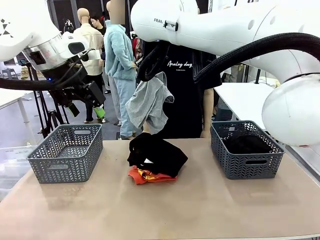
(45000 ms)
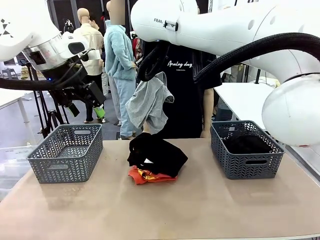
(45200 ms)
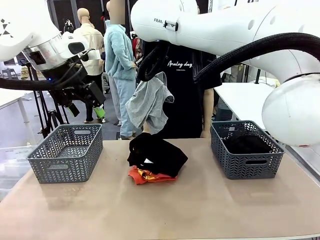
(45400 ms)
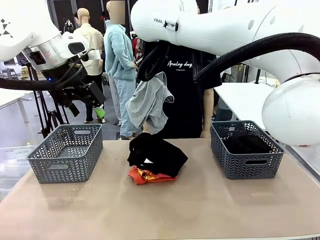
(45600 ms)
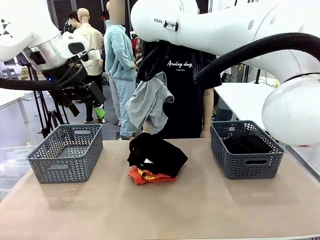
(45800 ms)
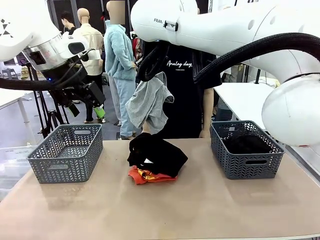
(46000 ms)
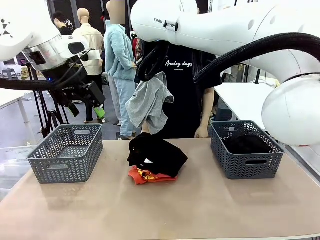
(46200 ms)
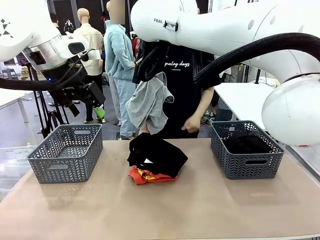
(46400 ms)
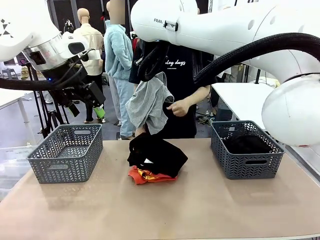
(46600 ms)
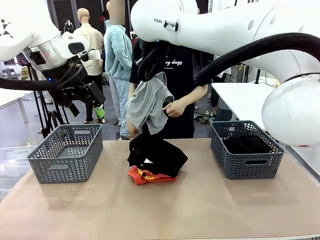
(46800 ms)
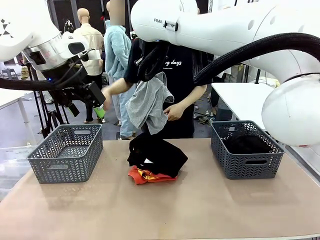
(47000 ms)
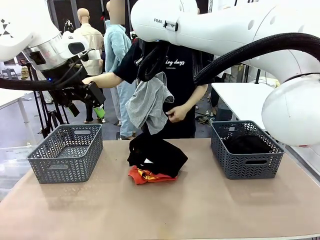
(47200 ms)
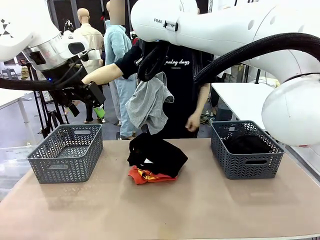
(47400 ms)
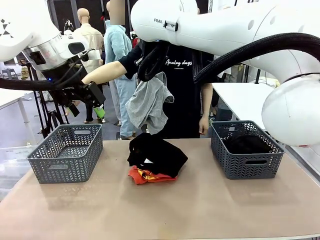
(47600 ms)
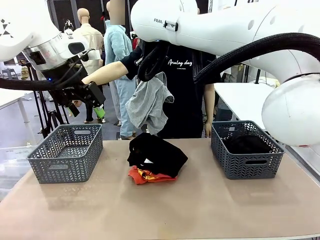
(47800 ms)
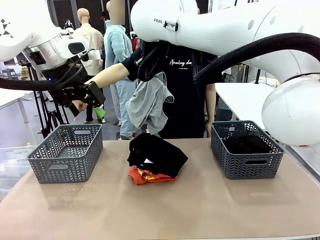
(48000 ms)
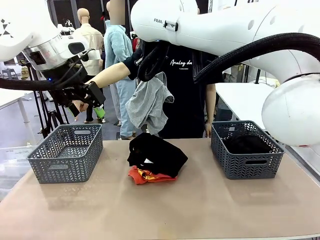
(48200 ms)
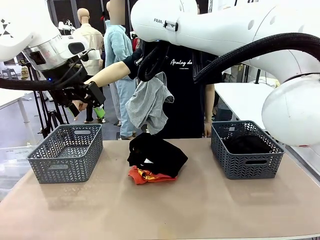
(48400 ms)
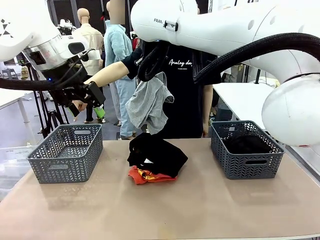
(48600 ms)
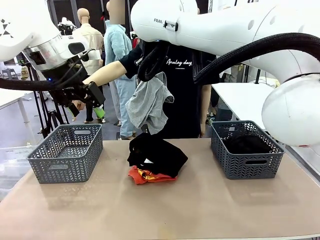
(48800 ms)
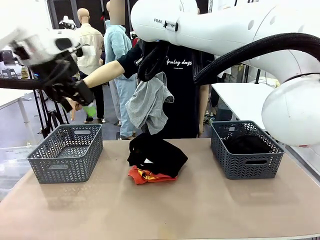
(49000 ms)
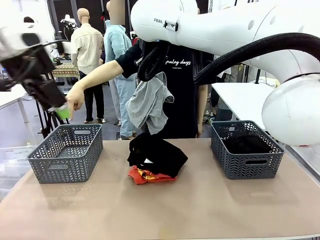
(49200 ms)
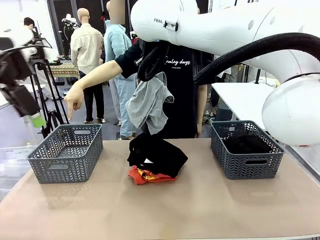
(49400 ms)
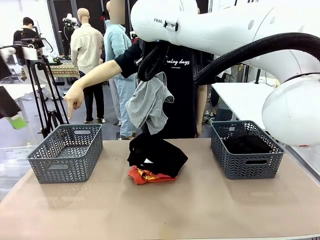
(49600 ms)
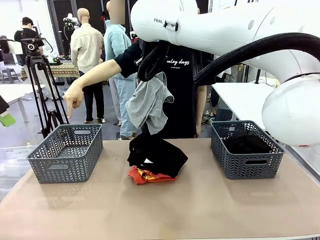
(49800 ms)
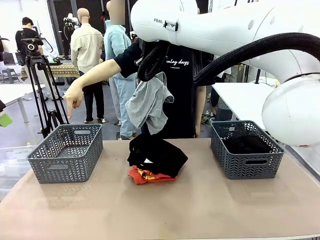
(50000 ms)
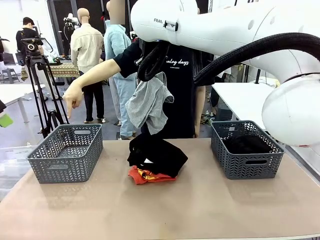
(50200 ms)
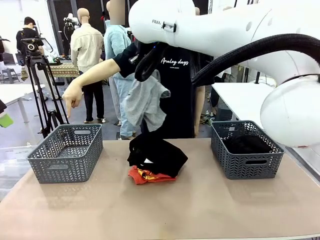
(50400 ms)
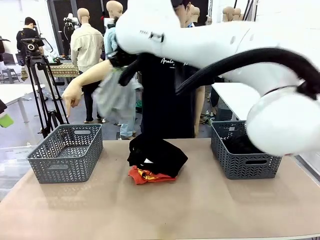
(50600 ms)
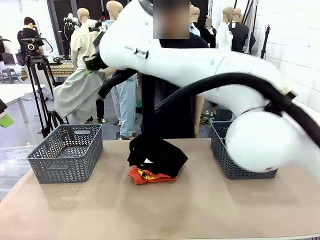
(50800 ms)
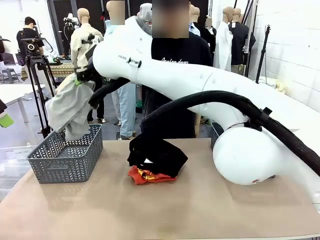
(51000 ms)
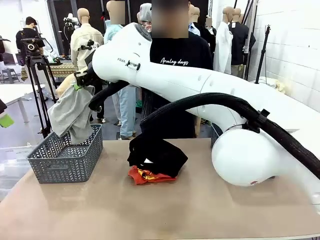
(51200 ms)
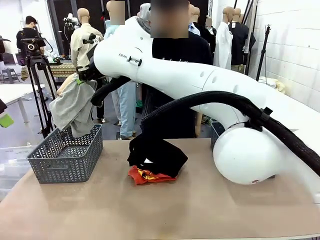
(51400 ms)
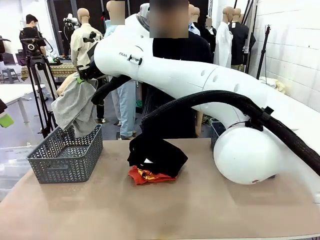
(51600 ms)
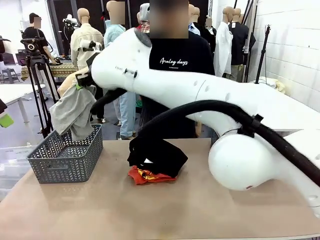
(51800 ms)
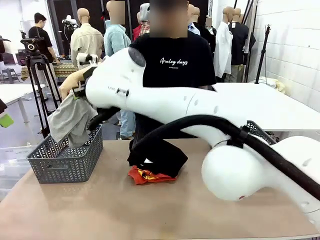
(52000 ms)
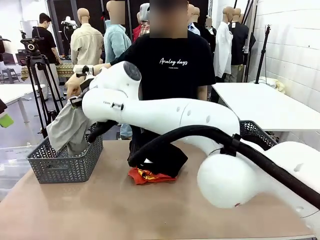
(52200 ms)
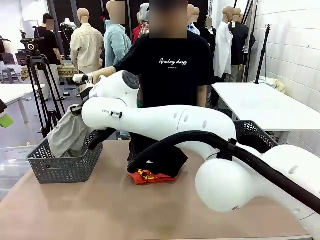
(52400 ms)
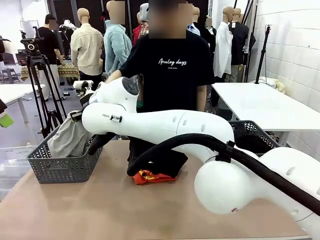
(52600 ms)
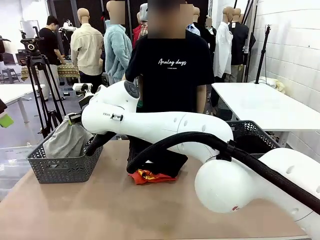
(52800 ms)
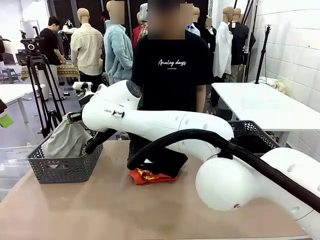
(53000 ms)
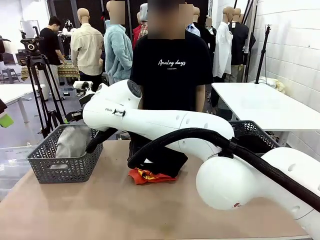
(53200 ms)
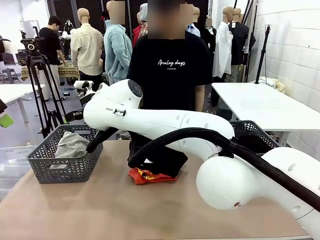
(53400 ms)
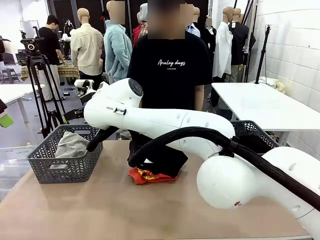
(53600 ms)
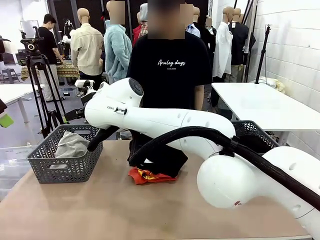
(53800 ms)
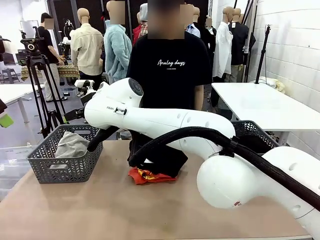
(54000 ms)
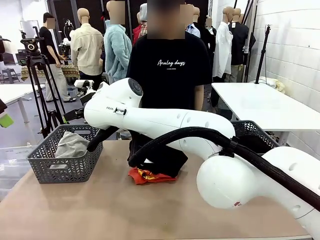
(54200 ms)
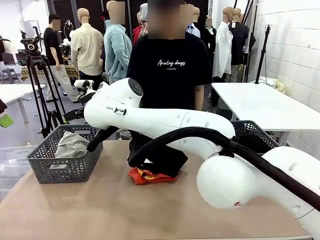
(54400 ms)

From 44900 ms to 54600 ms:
Task: Sort the tops and bottoms.
Robot: Sort the clothes according to human instructions.

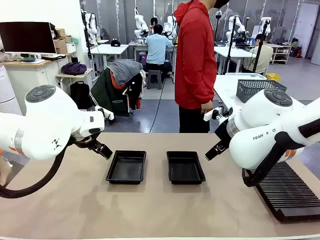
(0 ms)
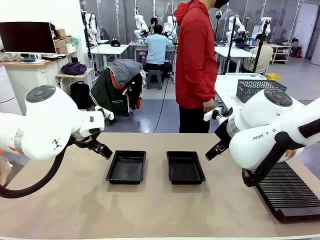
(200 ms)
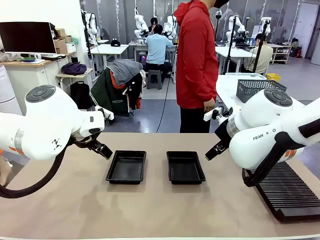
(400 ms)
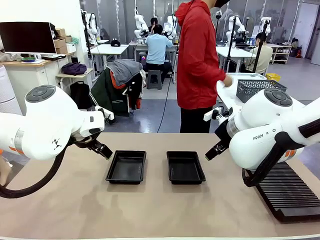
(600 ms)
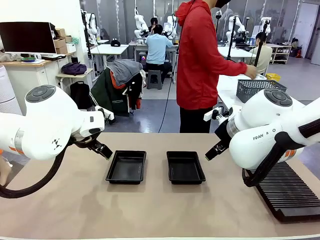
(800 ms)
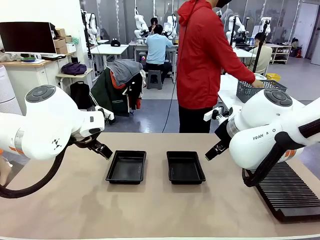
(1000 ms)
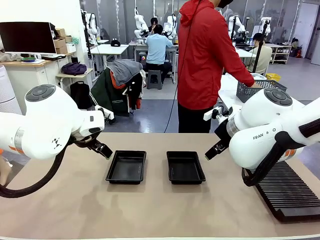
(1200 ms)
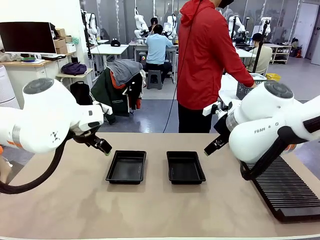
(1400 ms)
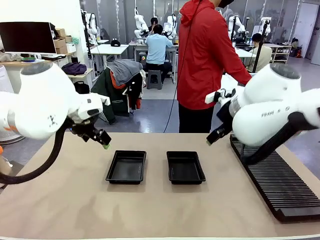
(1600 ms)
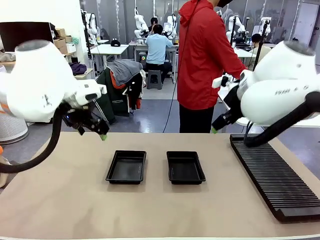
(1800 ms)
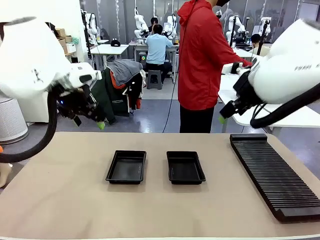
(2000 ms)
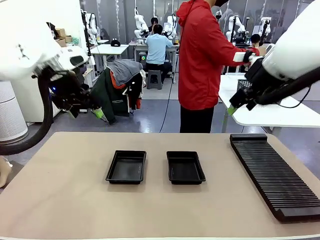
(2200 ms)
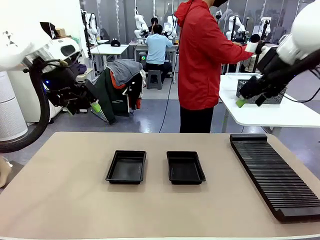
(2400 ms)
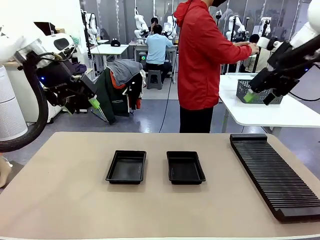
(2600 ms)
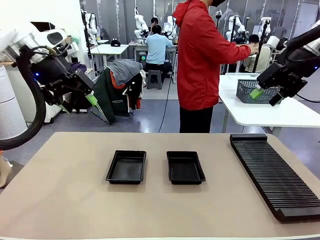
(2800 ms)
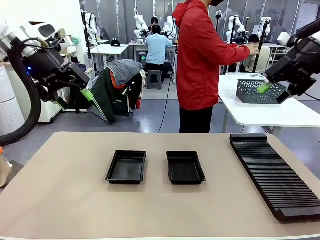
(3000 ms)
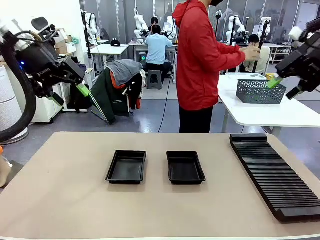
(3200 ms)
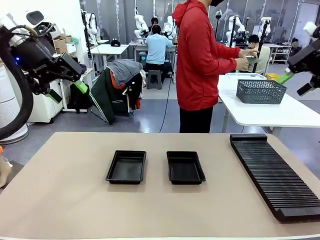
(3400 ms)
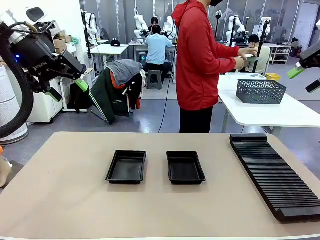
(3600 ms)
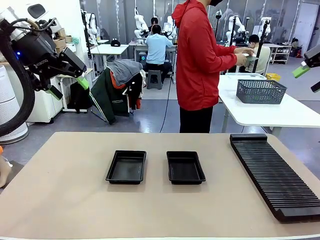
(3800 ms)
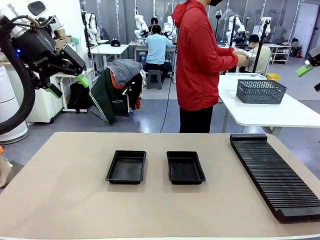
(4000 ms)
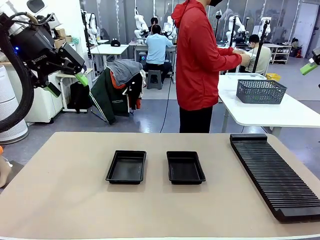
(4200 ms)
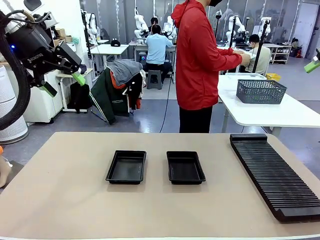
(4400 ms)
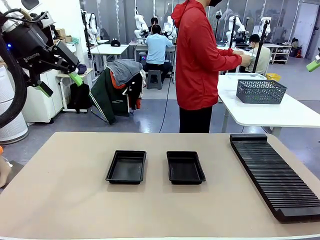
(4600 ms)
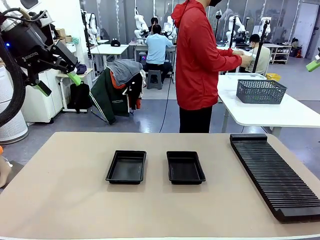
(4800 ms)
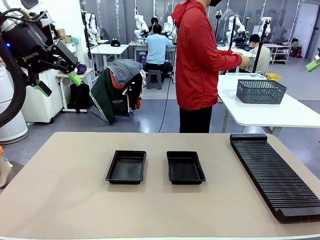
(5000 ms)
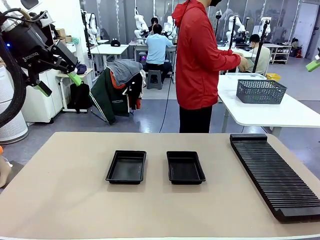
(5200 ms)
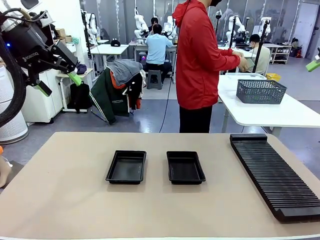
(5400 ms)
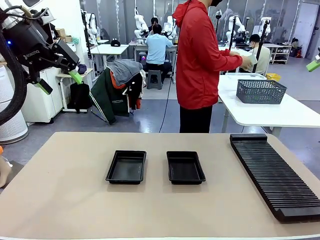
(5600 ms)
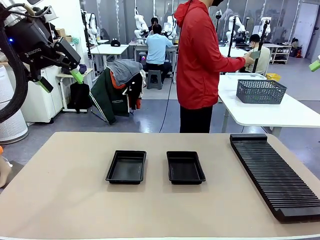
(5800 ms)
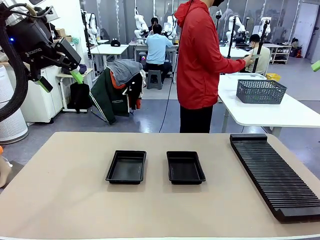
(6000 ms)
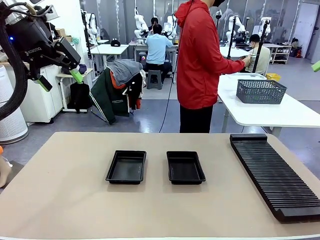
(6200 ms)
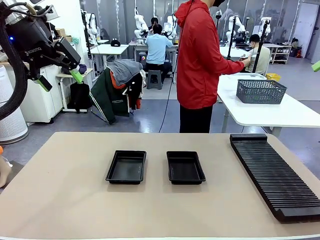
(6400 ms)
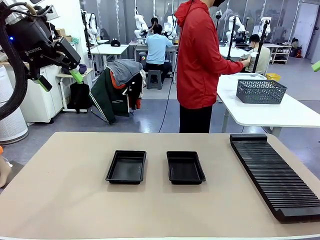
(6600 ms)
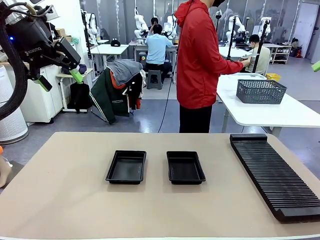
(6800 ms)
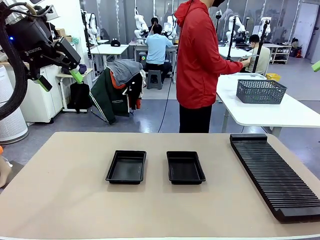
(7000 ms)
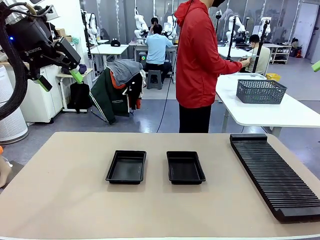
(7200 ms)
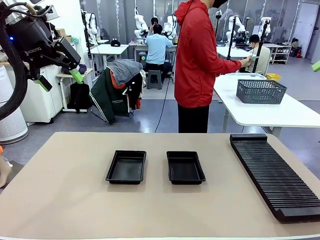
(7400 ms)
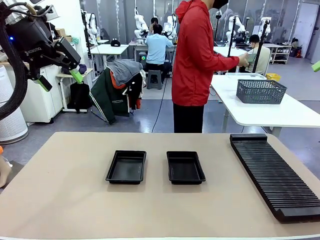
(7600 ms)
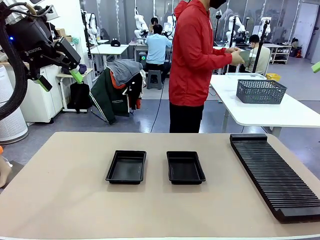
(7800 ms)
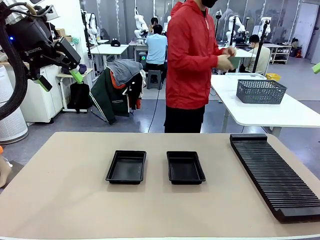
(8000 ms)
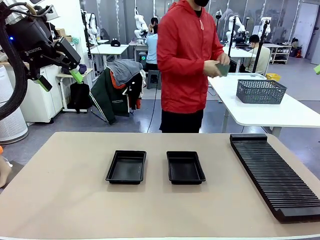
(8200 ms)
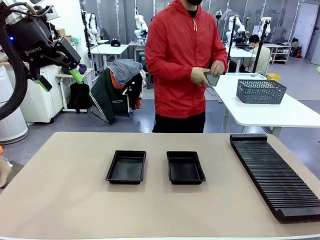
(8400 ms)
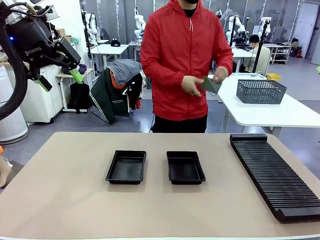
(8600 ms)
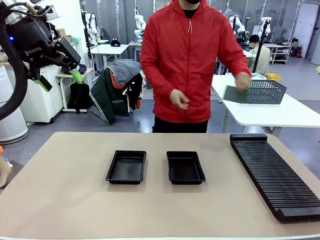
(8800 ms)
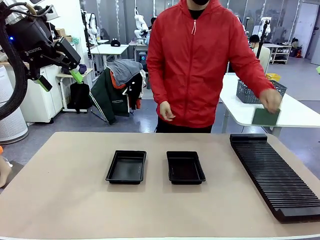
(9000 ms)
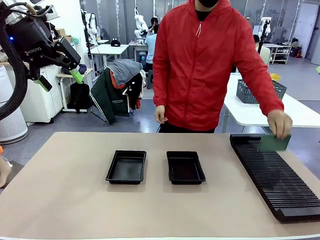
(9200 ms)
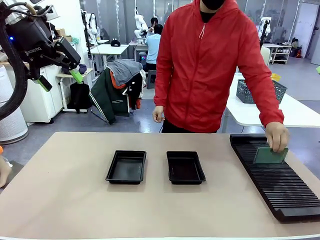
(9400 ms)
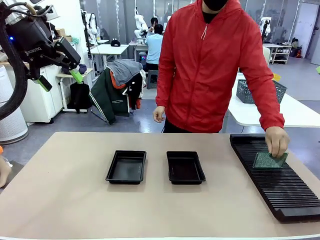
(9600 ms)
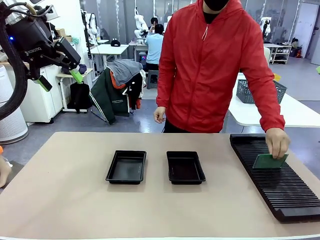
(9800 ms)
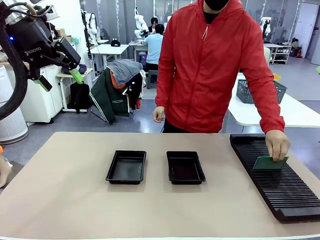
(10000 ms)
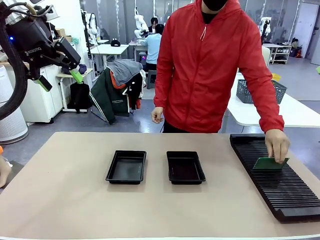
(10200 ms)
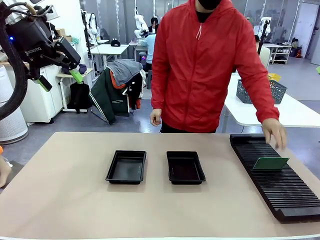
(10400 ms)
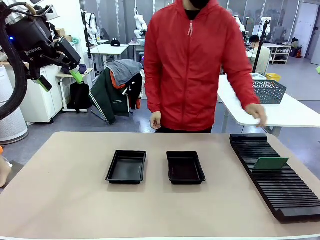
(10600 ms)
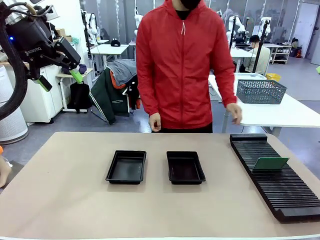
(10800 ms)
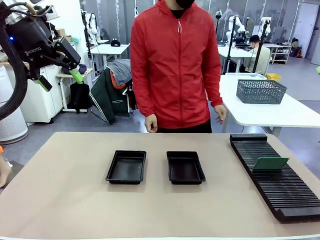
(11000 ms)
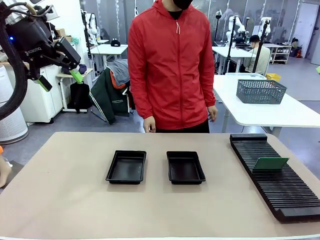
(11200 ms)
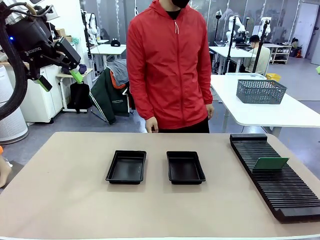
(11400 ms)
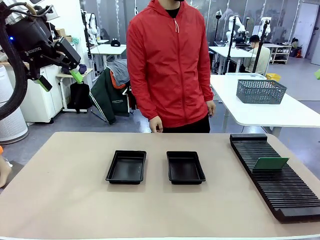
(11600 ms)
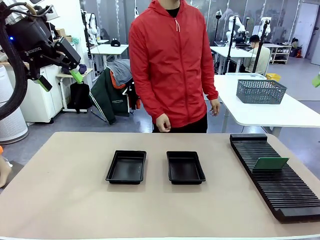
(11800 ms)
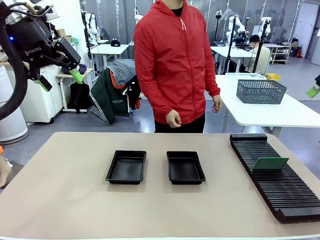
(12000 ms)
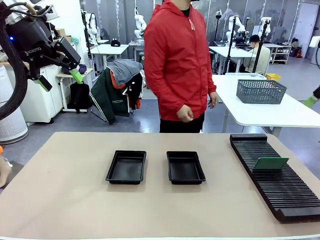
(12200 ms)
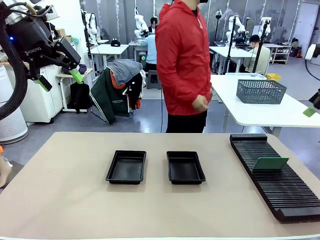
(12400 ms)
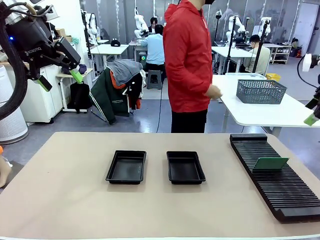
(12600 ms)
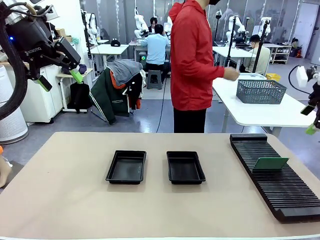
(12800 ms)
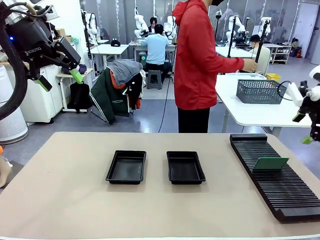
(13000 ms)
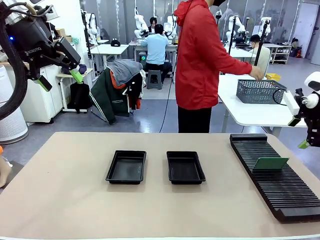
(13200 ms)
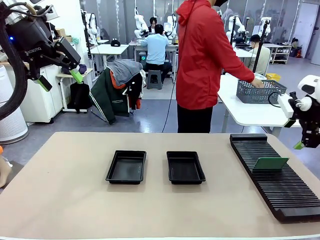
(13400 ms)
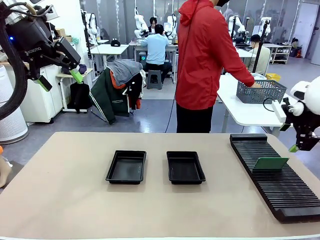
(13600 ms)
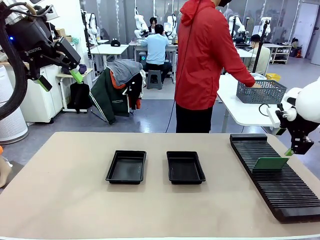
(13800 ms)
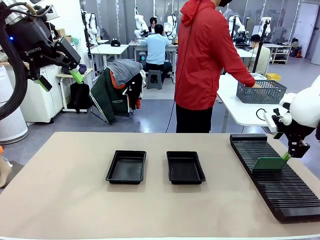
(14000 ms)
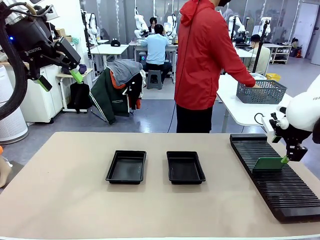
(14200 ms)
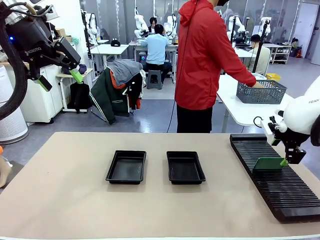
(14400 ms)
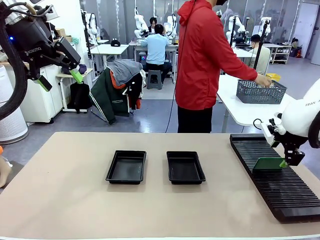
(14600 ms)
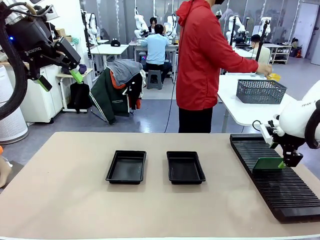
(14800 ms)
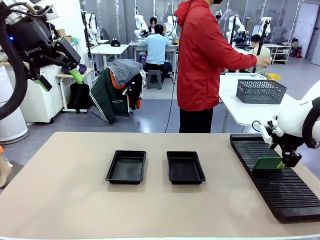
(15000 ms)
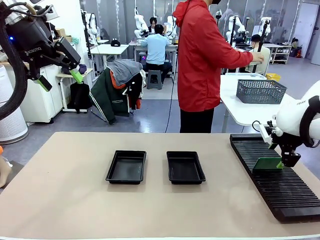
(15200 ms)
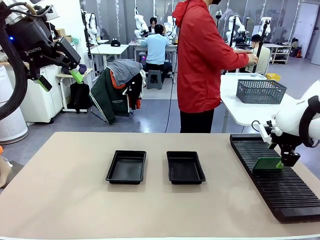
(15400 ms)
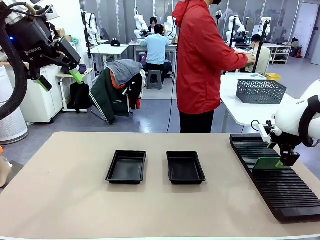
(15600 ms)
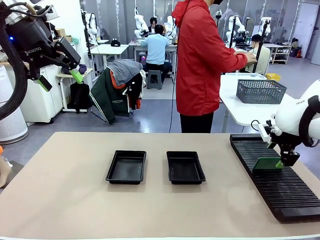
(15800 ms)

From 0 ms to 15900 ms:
Task: Inspect and transfer BCBs to ESD trays.
Robot: Pick up the Blank PCB from the PCB Rack and place it in the left ESD tray.
